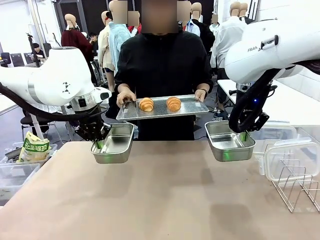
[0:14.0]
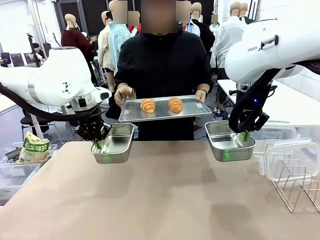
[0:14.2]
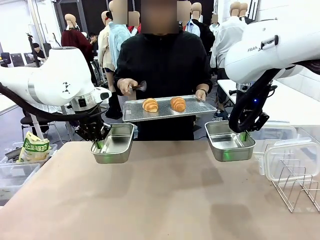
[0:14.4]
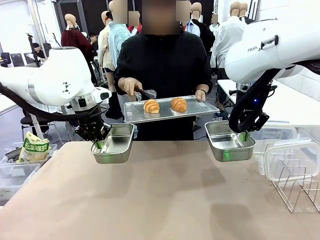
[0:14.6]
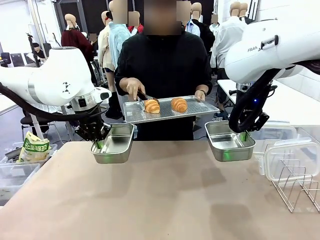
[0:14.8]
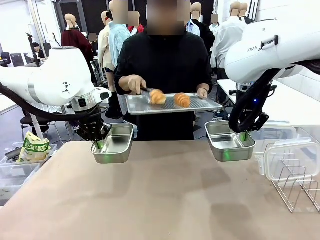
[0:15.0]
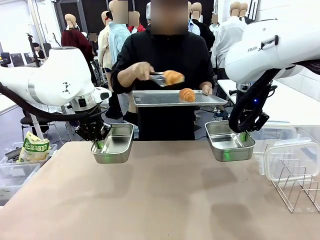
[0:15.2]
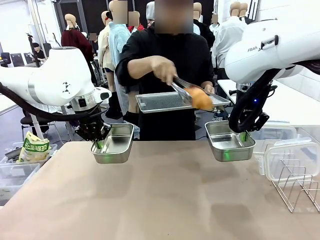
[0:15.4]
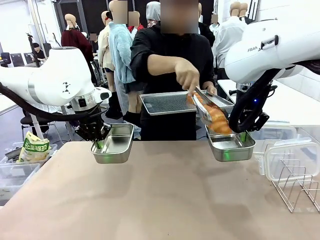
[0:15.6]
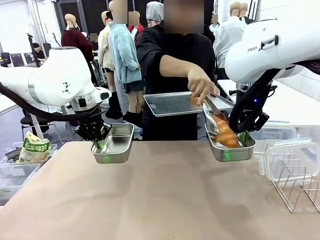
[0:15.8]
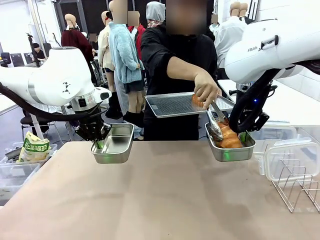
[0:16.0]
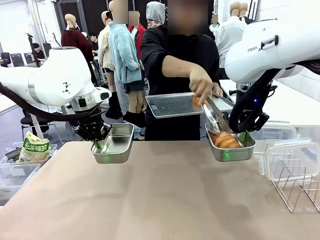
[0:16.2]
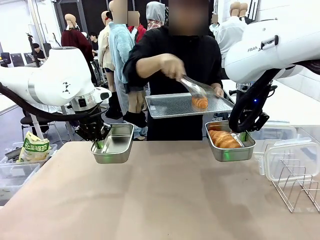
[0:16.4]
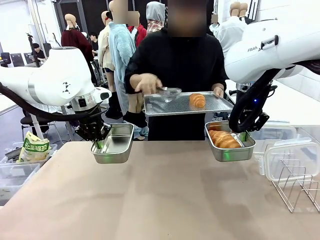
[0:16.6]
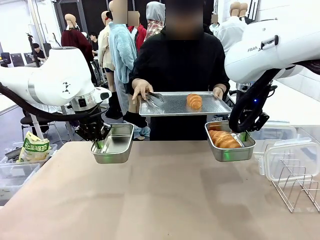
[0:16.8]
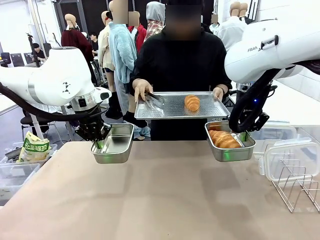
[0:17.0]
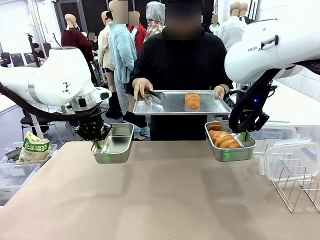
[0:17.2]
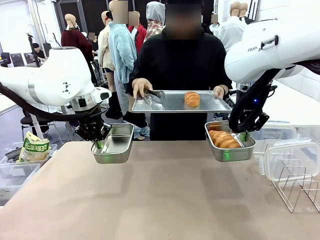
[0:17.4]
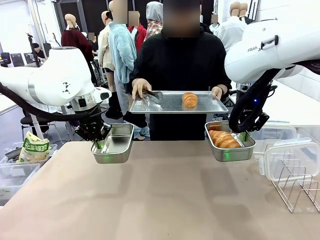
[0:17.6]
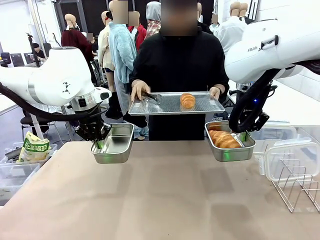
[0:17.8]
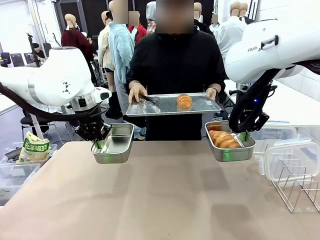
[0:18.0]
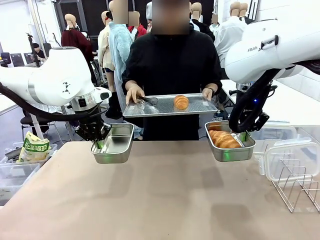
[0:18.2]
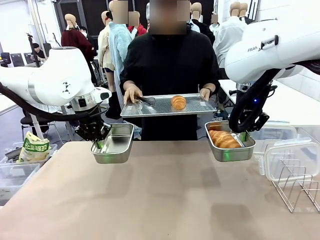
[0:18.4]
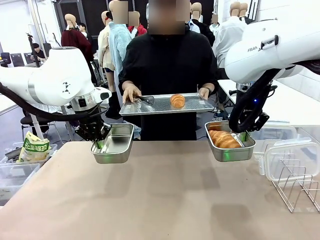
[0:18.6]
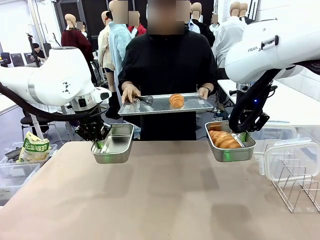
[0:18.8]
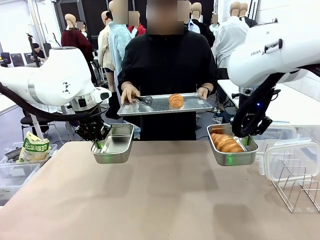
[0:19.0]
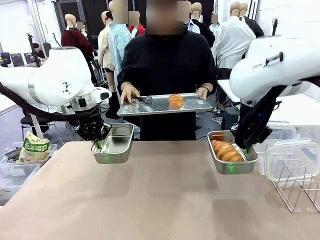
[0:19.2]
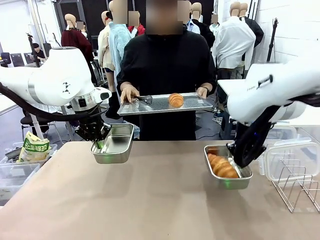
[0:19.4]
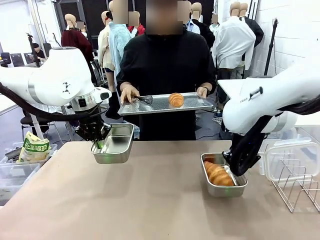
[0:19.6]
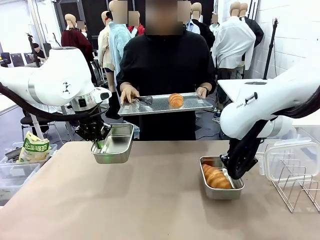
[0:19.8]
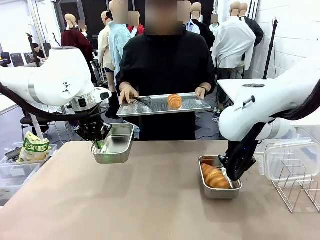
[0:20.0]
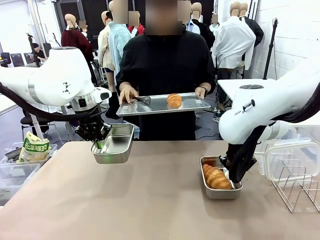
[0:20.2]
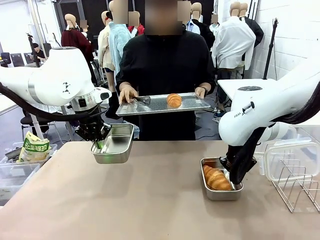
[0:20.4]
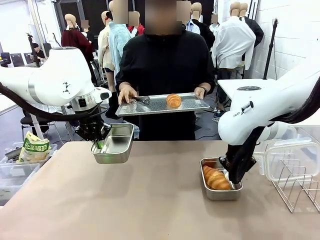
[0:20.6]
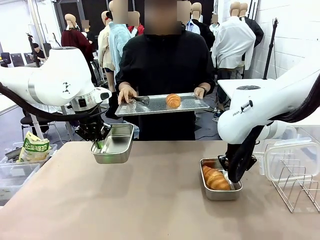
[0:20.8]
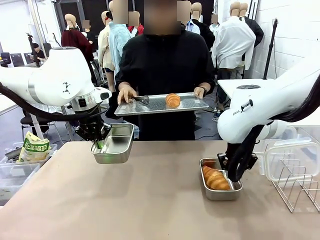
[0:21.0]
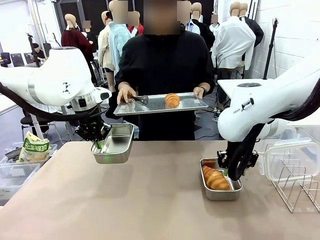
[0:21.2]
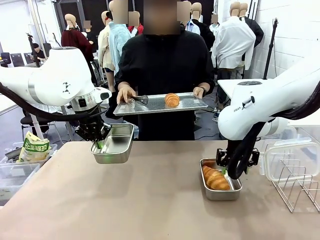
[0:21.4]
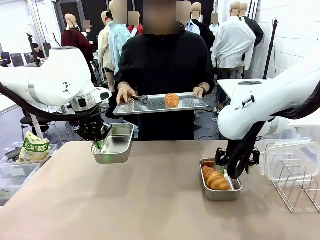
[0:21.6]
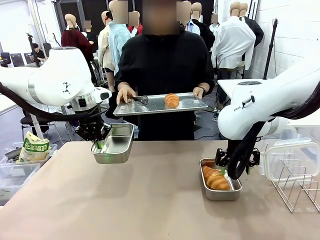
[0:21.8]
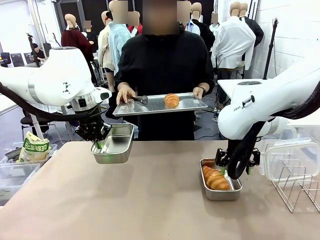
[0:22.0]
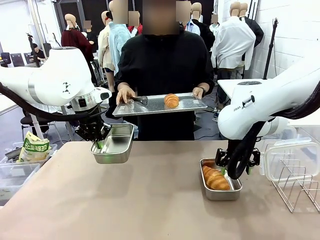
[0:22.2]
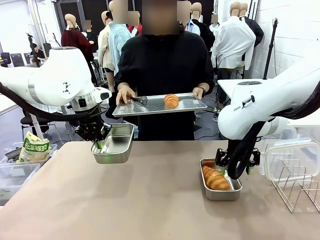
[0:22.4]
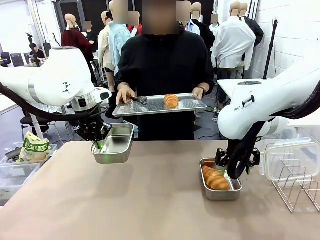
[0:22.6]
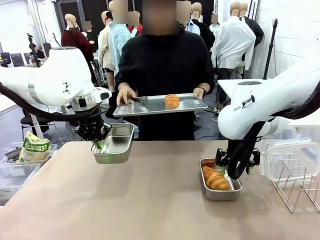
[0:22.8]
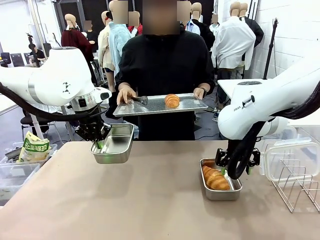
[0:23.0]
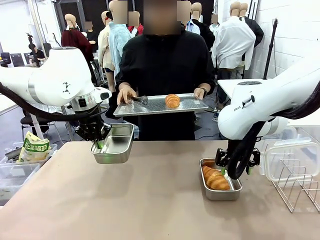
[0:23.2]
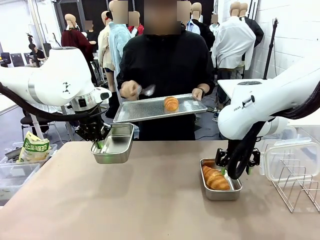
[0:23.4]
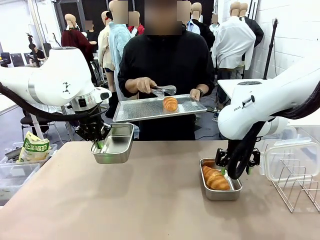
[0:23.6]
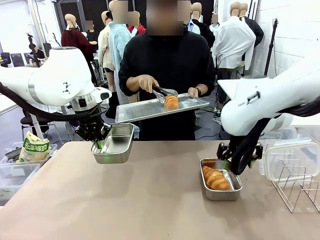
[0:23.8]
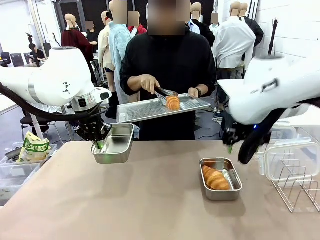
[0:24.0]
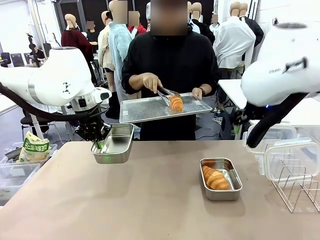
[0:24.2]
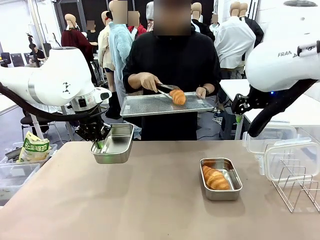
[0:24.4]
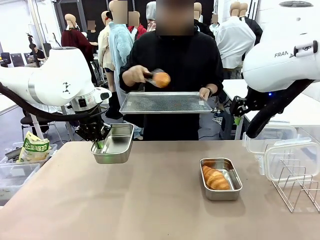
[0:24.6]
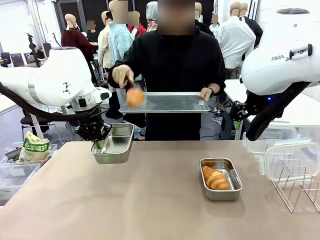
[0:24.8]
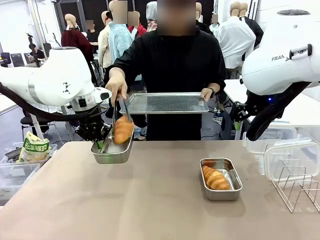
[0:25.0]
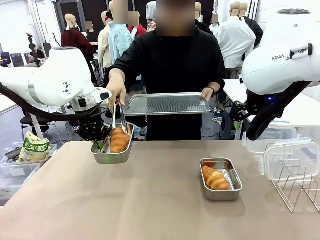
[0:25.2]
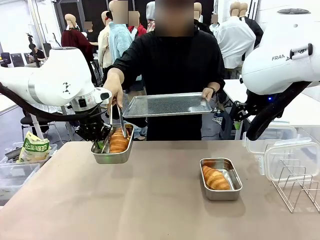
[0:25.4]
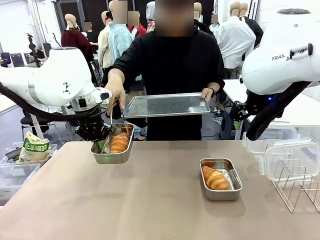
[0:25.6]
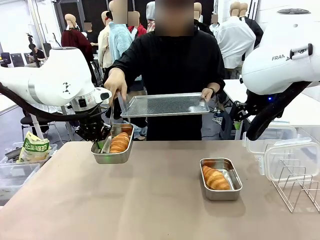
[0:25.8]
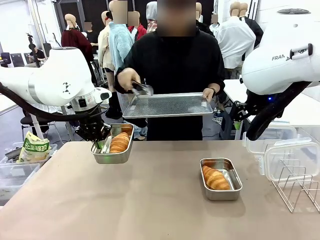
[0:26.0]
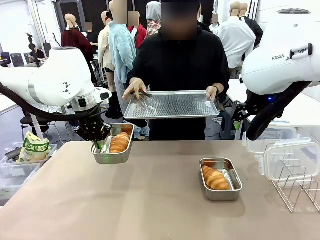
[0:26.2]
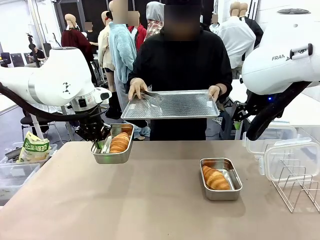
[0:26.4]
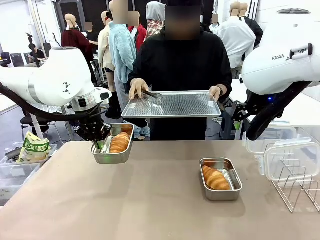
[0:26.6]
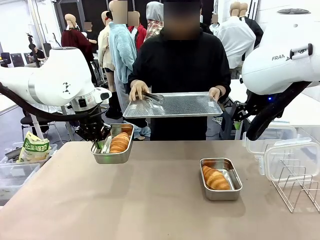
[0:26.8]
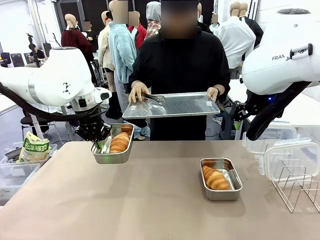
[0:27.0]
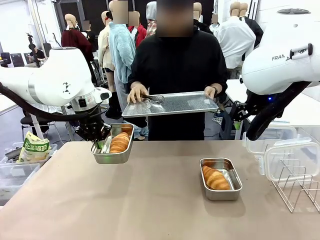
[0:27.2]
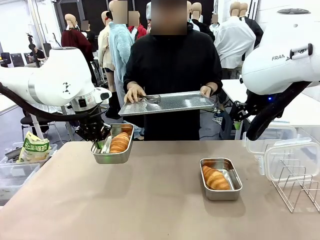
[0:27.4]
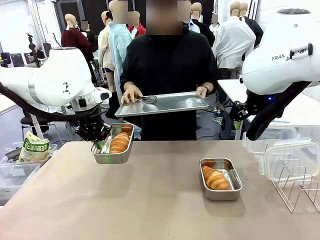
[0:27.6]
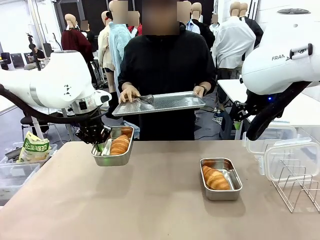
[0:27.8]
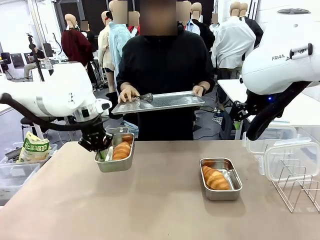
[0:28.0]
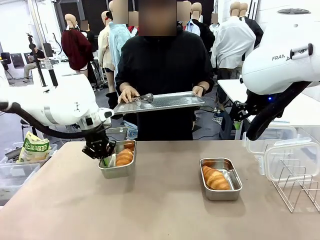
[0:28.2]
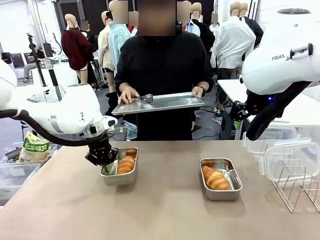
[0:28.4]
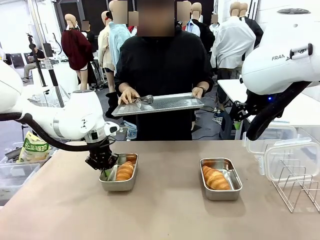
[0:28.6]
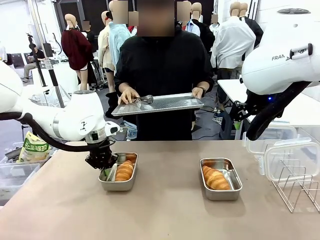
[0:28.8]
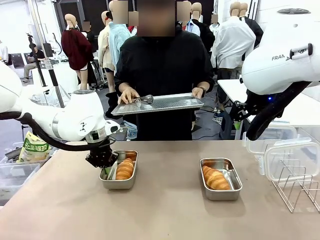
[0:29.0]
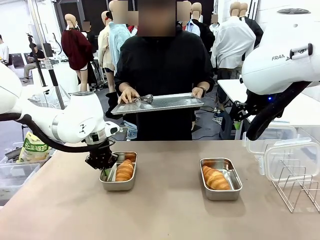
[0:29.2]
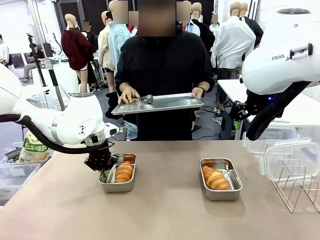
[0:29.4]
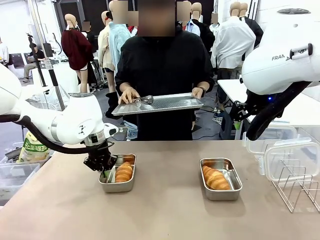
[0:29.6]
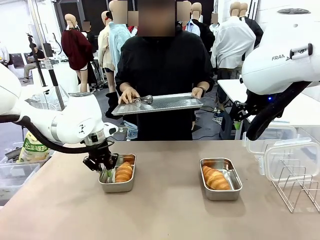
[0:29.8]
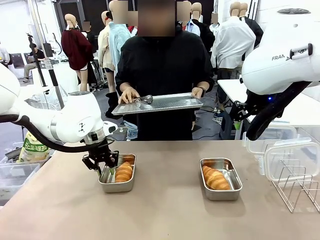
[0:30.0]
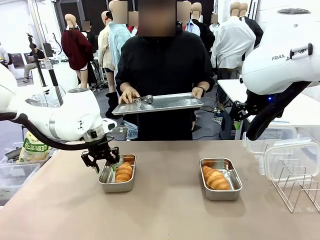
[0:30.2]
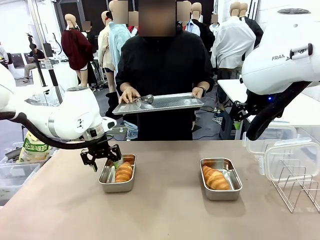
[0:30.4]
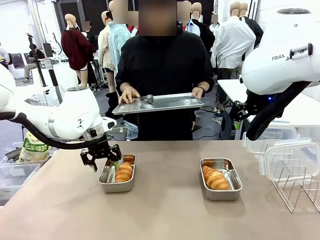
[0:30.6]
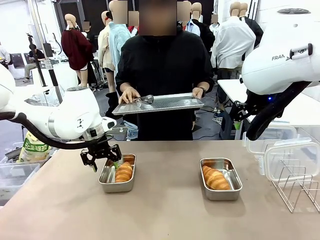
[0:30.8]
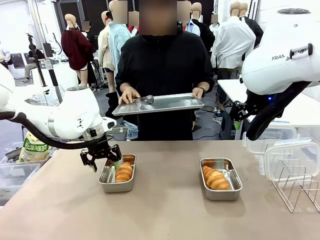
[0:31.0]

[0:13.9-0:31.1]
Task: Place the bread in airtight containers.
Robot: Once an object is inside an Airtight Container , place the container in the center of the table.
Person: Use the Stainless steel tongs to place one object from Baking Sheet into one Airtight Container. Place Baking Sheet on the Human's Table.
